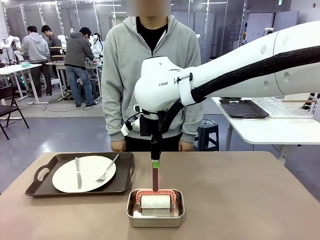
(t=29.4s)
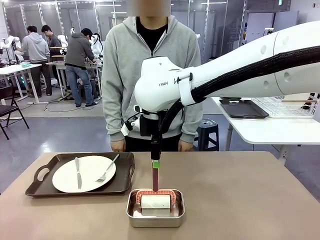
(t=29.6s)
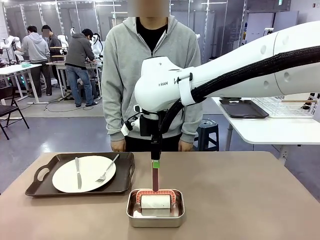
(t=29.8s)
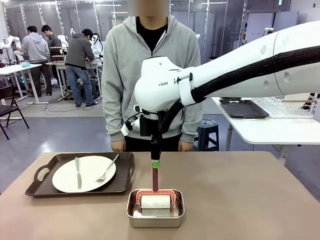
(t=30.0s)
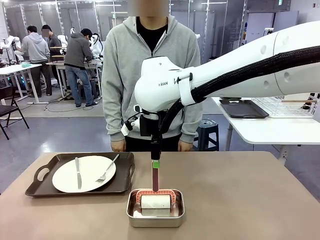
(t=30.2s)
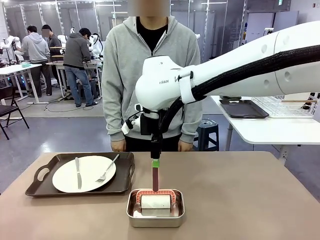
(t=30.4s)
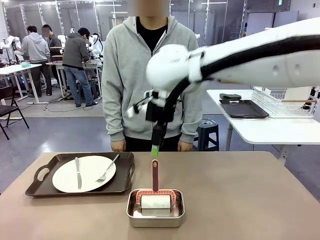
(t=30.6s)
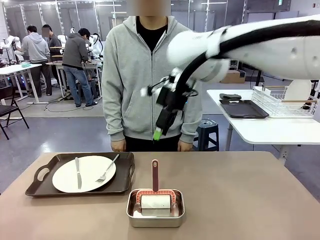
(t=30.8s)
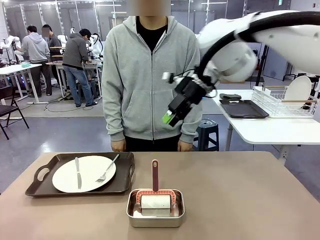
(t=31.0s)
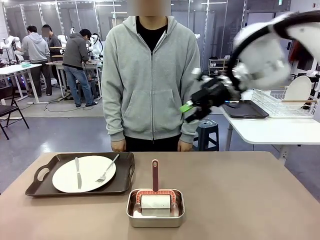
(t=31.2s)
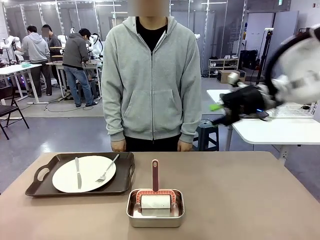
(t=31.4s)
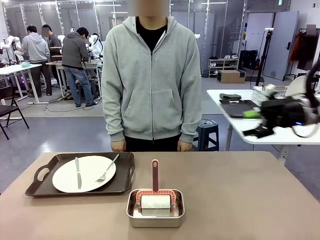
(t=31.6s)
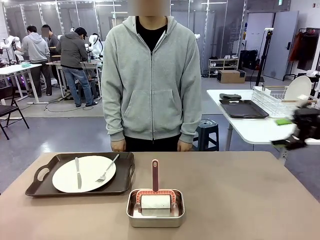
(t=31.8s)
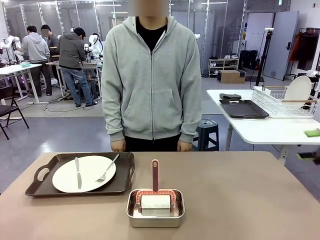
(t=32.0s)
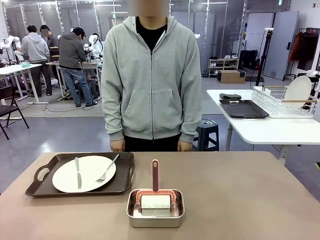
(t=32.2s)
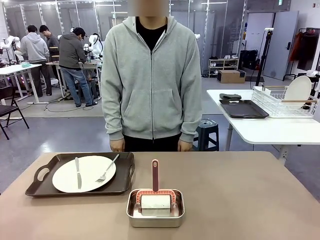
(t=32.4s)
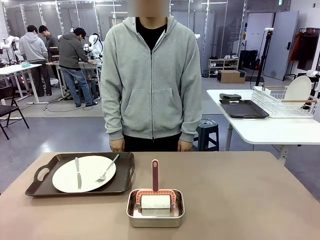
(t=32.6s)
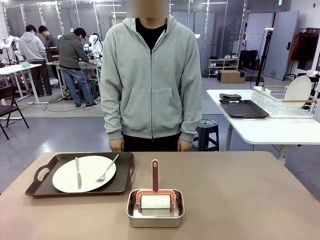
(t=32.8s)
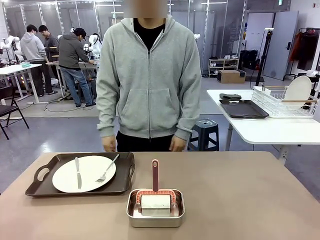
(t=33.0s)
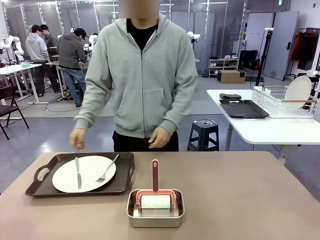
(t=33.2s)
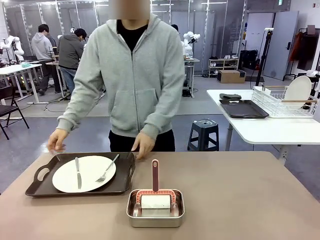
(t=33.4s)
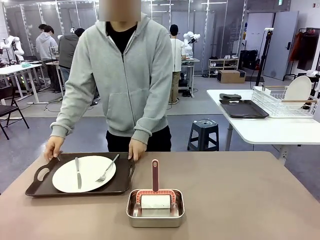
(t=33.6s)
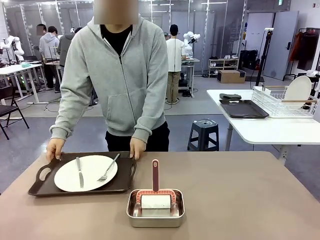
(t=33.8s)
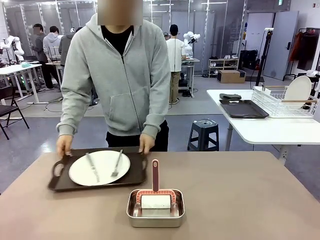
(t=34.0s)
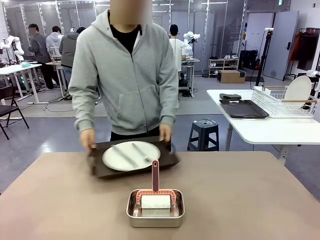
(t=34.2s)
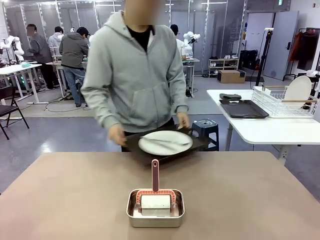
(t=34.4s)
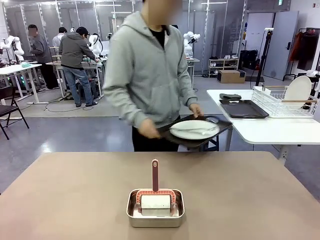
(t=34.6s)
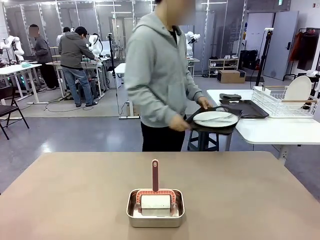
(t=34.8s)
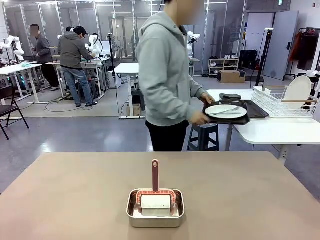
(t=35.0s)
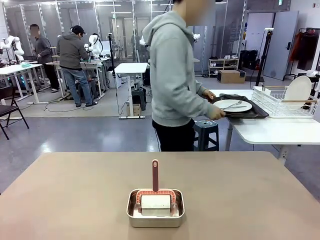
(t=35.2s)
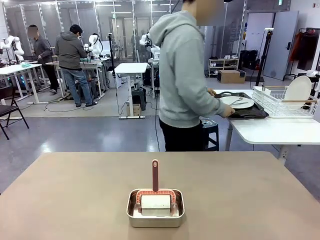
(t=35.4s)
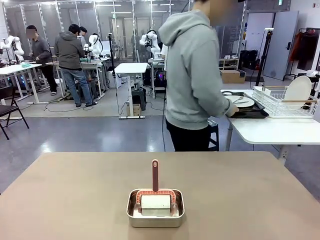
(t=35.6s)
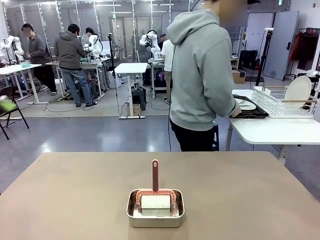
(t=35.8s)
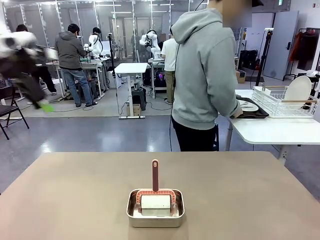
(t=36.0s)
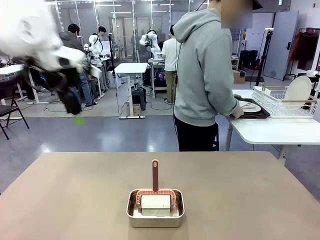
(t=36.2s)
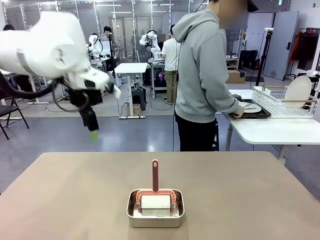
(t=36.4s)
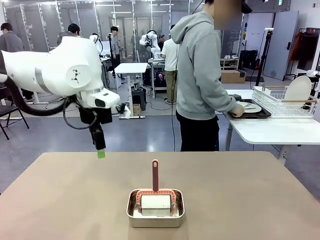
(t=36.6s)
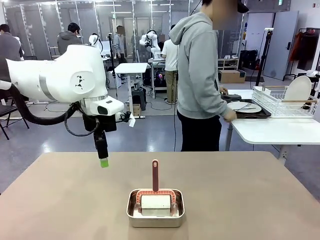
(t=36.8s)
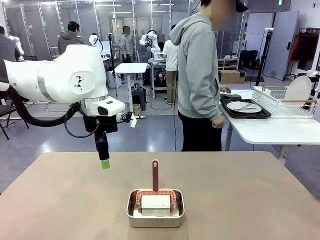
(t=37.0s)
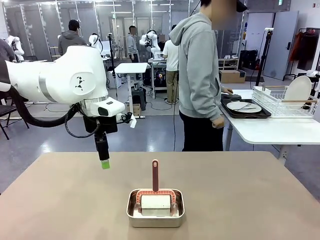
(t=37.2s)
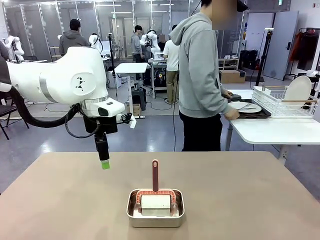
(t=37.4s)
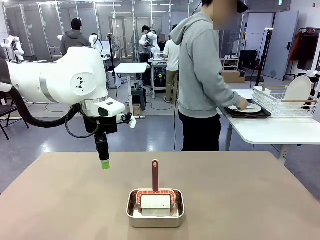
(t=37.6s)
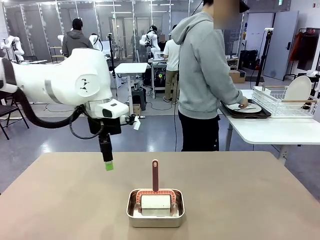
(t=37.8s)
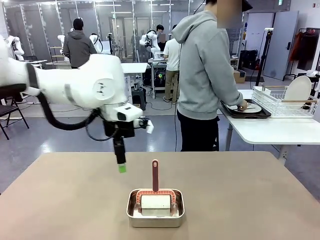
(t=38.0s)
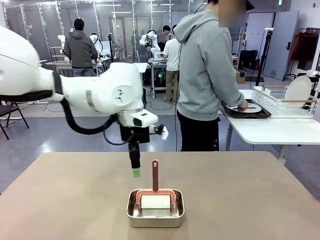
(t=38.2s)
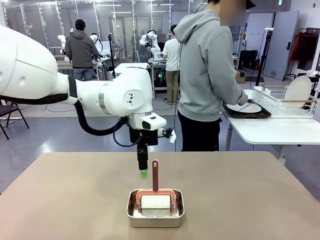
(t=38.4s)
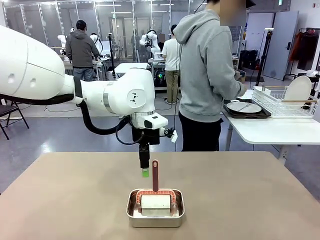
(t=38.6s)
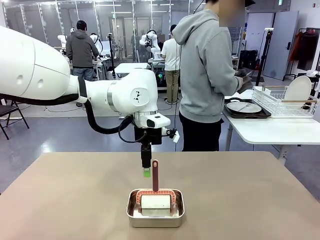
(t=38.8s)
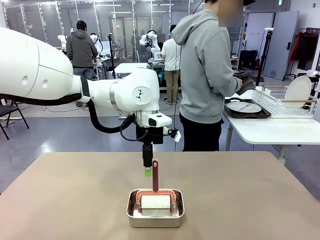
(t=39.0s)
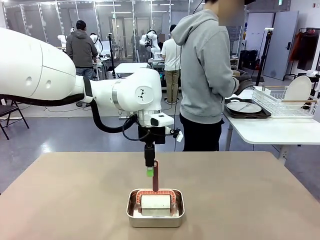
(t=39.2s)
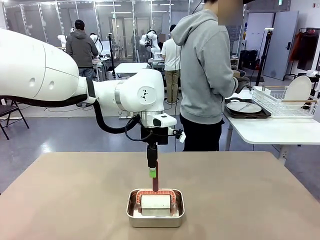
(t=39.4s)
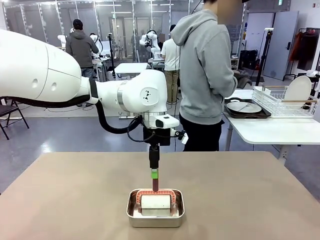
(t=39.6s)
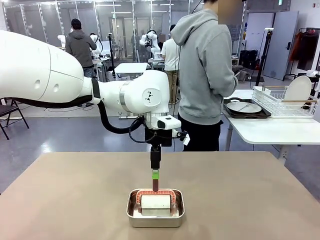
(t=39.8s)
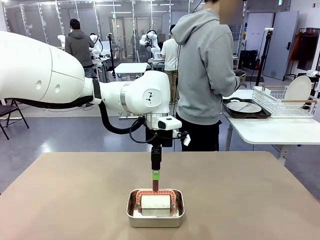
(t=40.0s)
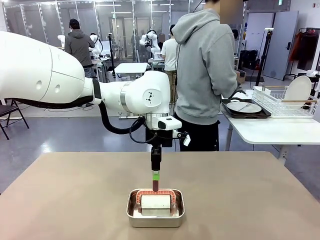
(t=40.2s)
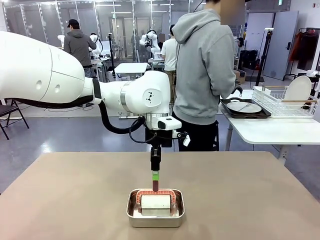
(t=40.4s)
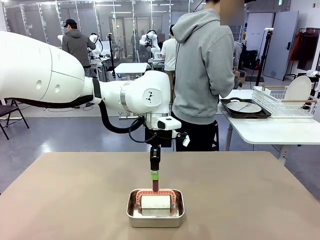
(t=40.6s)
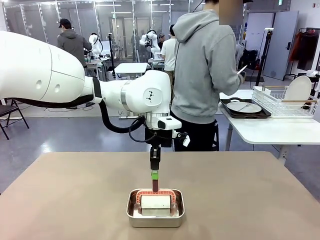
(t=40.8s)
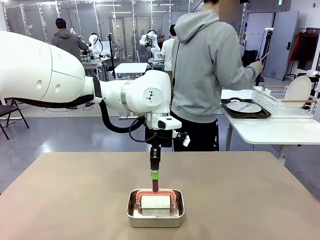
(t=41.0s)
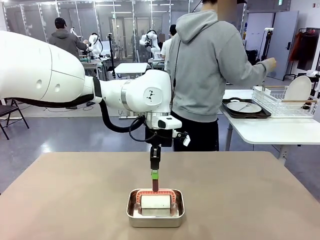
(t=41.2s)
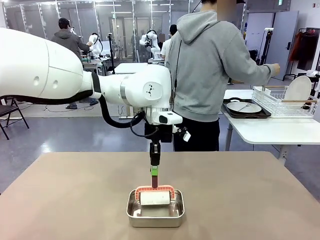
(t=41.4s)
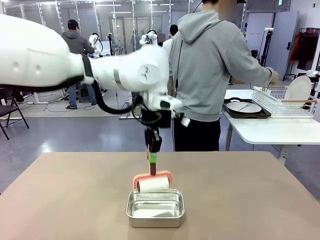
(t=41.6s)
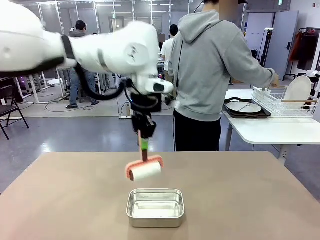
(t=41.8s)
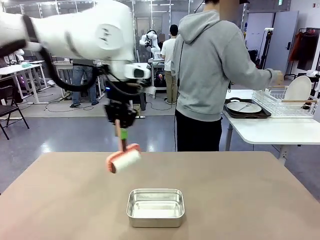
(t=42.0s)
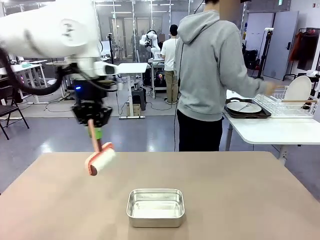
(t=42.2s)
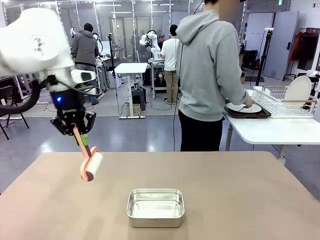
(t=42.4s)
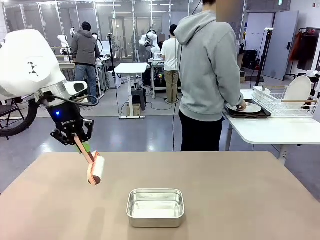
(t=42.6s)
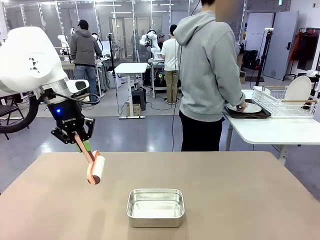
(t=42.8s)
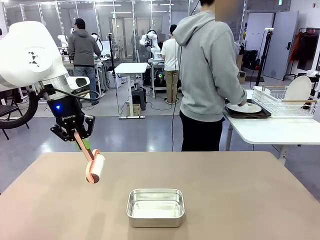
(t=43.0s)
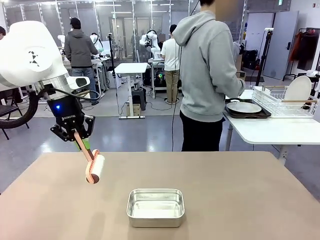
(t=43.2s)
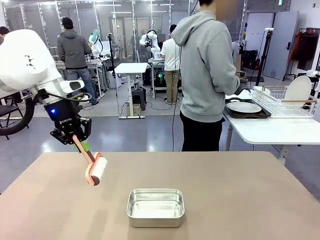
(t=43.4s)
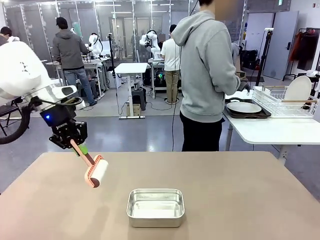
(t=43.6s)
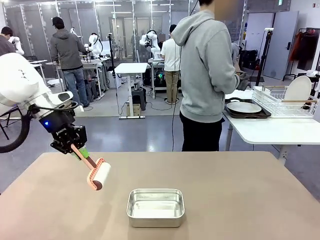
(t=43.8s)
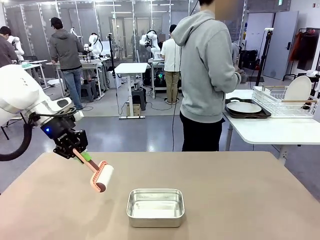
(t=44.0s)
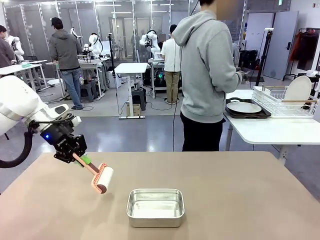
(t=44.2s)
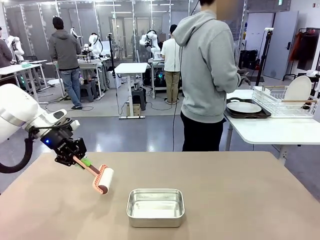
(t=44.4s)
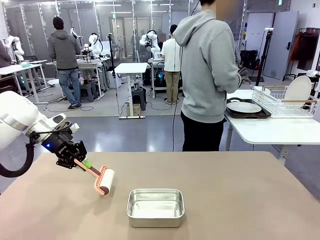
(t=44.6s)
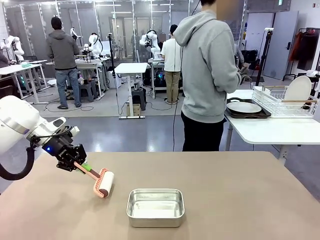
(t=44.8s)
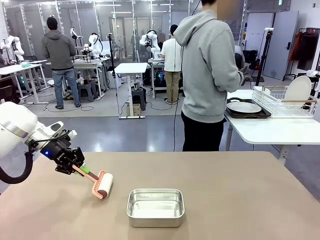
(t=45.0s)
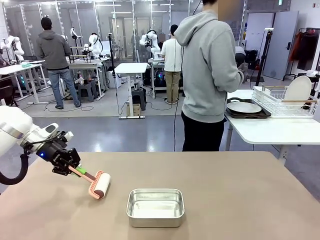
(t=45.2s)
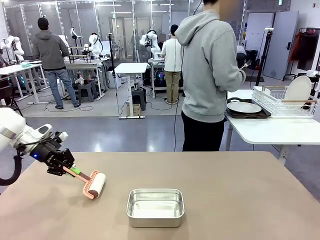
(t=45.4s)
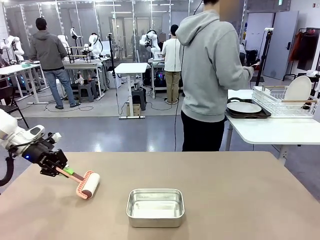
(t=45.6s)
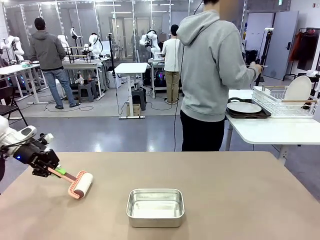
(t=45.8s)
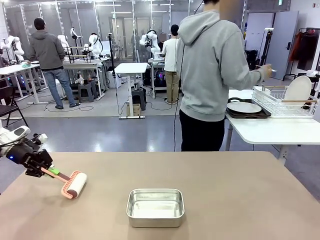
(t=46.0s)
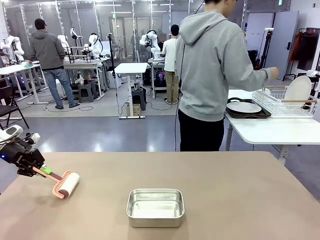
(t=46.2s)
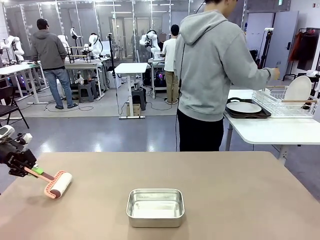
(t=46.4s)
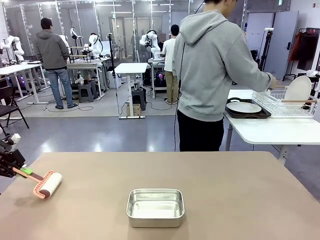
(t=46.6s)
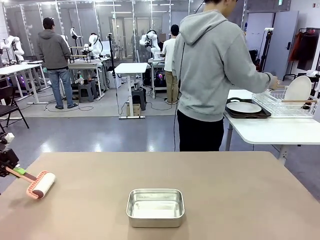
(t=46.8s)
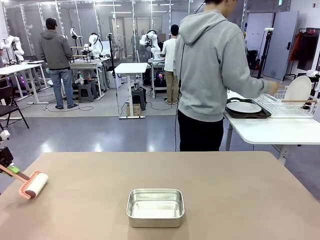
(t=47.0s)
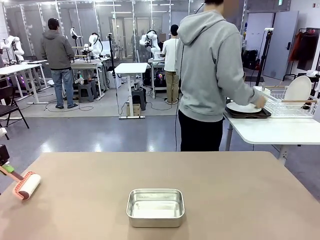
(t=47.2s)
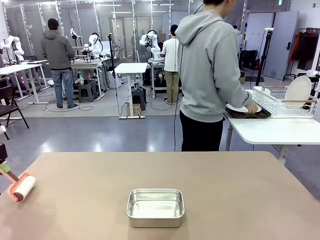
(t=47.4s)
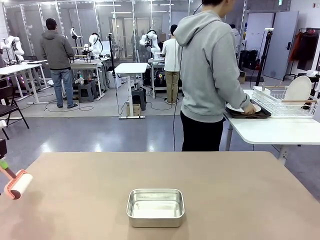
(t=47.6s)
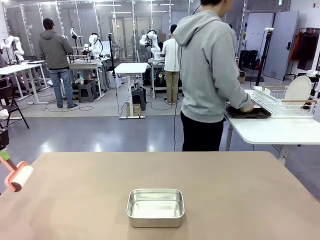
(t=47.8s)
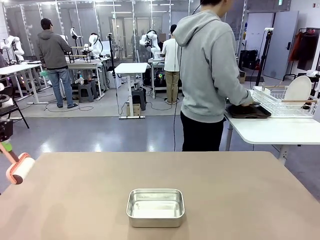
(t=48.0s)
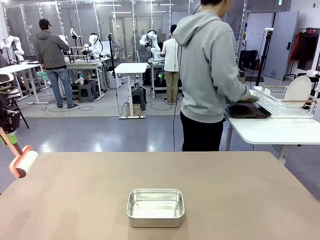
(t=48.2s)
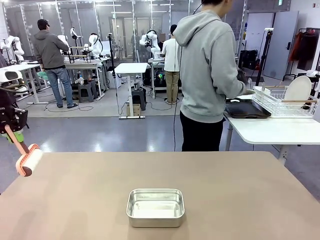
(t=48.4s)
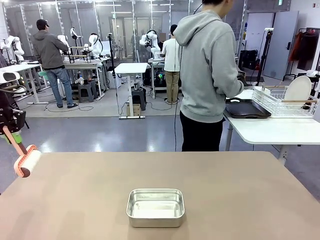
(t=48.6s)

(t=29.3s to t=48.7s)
Robot: When the right (or left) Handle tray is removed, use the right hand (or left hand) to clean the right (or left) side of the table with the Lint Roller.
Person: Pick up the left (or right) Handle tray and place it on the Handle tray. Use the Towel with hook to wipe the Plastic Matte Plate , Fork , and Knife and place into the Dish drying rack.
